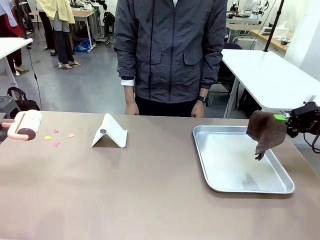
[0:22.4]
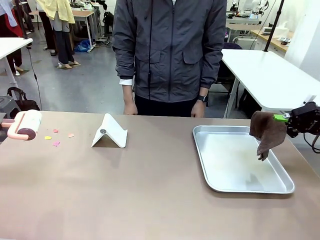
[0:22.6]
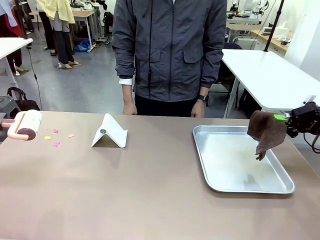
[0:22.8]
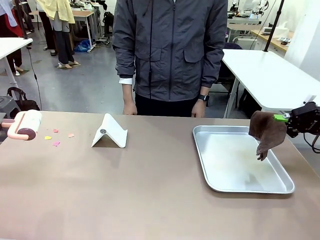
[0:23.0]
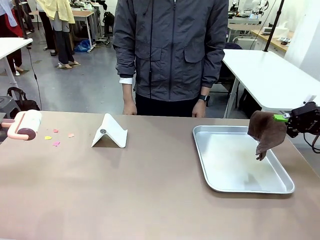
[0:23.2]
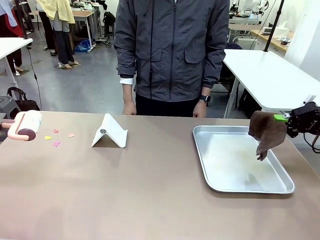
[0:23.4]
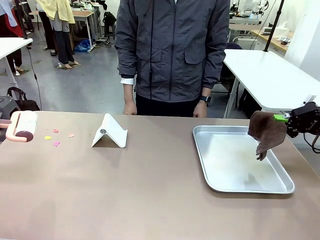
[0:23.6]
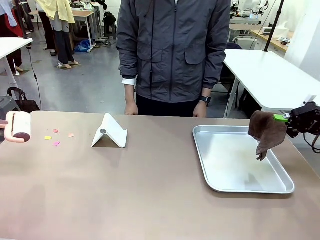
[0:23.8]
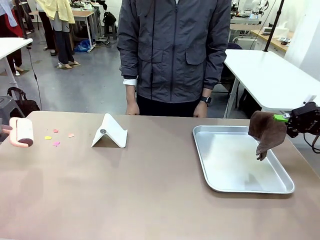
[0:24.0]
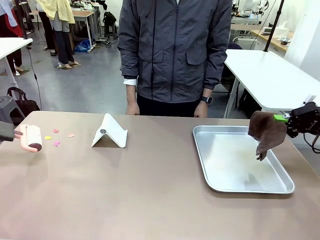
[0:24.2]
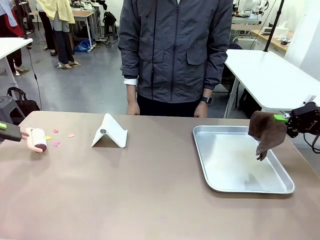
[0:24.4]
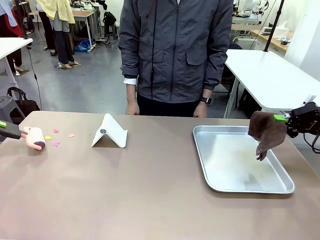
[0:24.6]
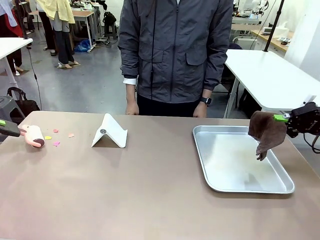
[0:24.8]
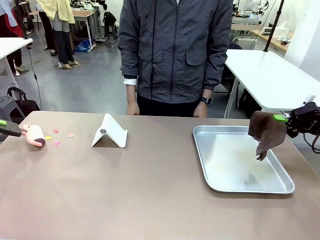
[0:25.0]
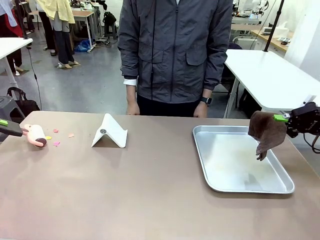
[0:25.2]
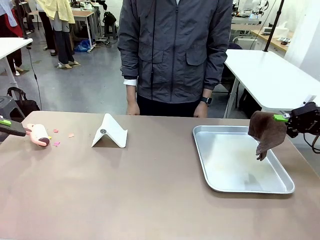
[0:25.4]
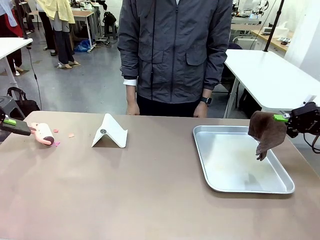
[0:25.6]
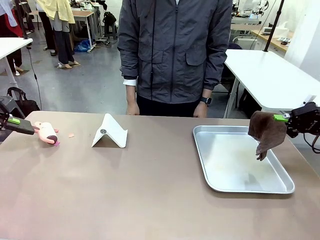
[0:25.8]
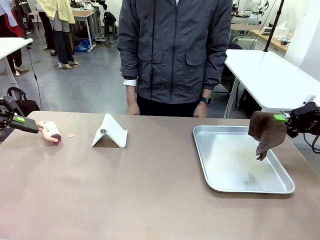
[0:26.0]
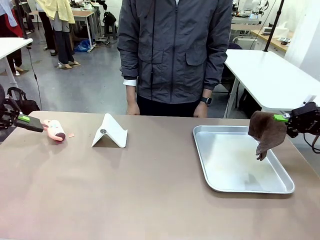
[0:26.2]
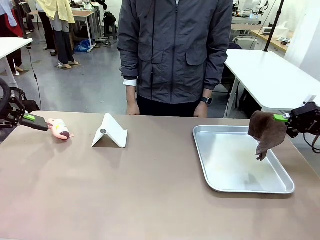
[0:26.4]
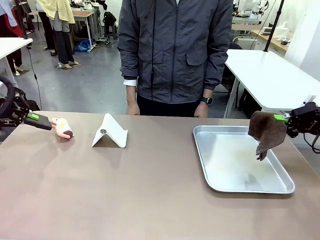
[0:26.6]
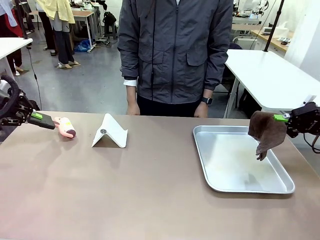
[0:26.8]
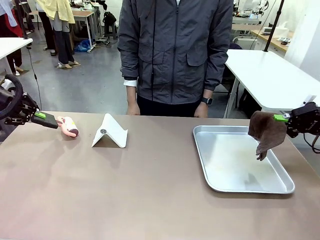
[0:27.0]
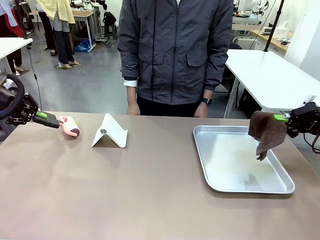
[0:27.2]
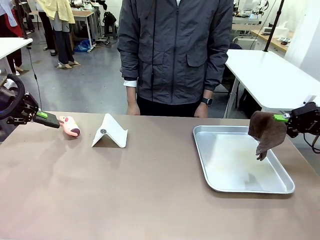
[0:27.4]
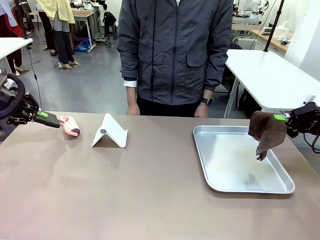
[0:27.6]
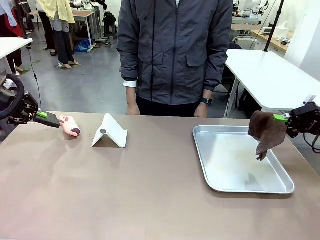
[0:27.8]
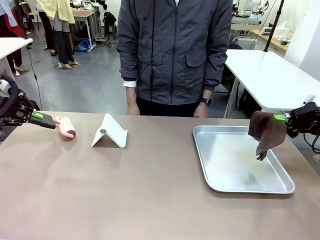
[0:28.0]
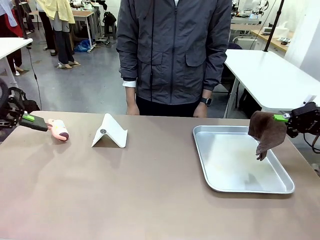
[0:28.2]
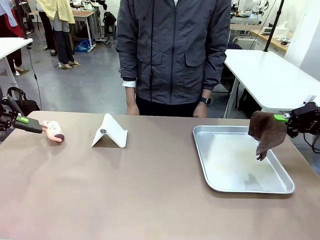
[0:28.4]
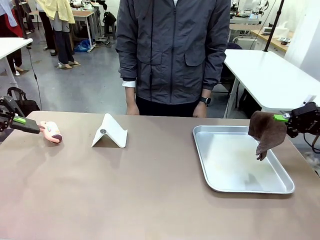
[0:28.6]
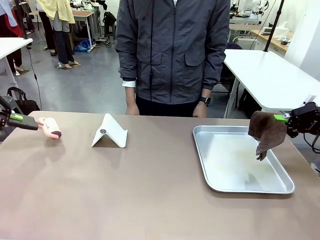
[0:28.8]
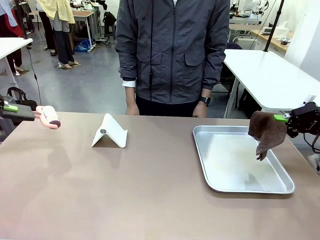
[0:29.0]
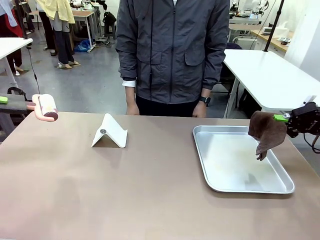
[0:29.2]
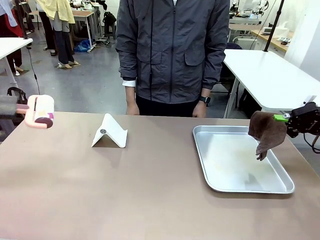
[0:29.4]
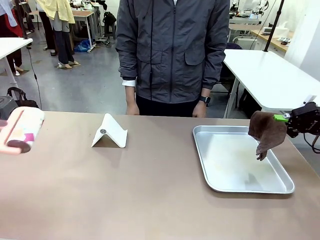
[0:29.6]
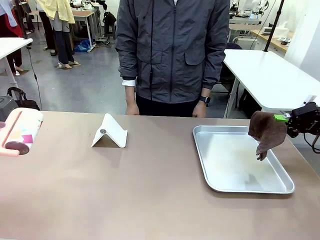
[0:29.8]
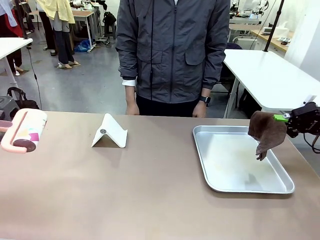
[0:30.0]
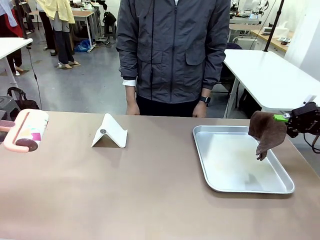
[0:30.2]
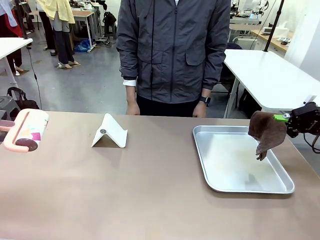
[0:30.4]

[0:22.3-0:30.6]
Task: Clean the surface of the table.
Robot: Clean the area not pointed to by the person.

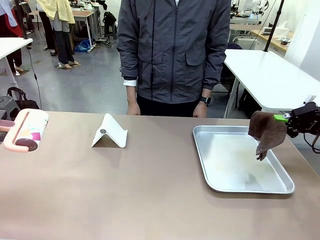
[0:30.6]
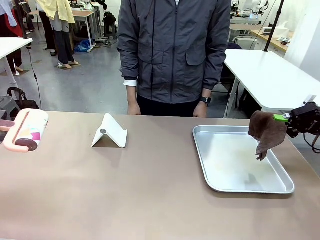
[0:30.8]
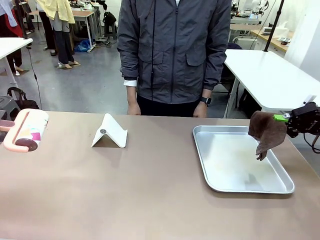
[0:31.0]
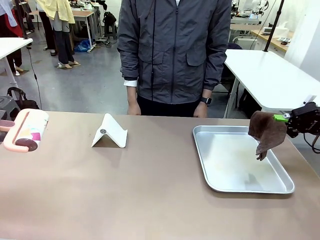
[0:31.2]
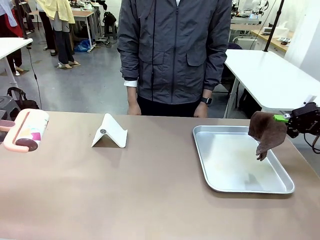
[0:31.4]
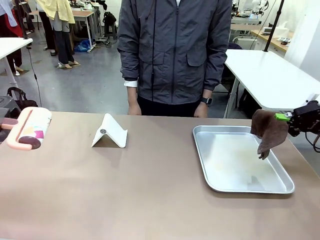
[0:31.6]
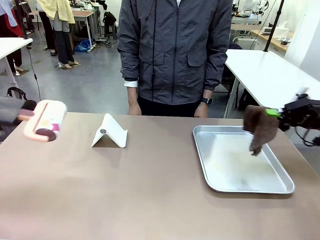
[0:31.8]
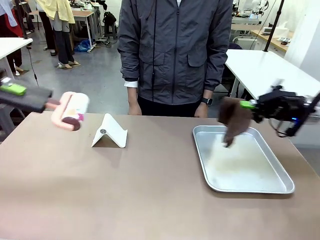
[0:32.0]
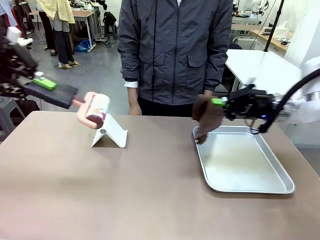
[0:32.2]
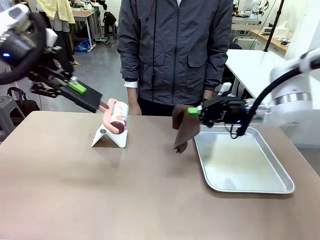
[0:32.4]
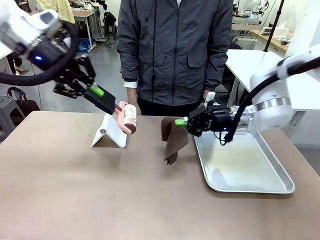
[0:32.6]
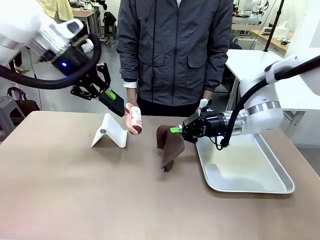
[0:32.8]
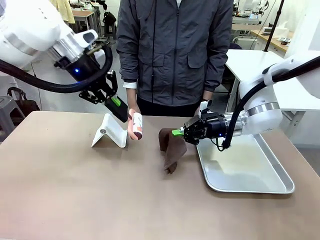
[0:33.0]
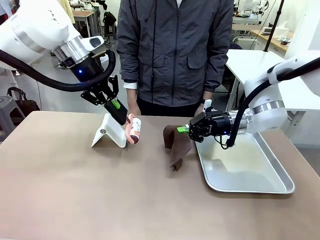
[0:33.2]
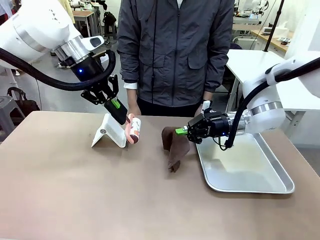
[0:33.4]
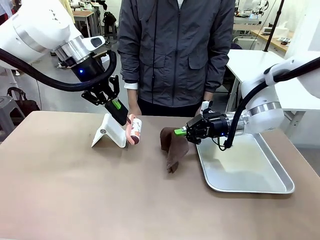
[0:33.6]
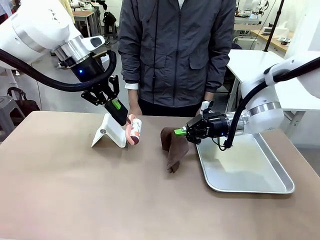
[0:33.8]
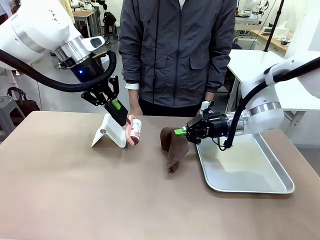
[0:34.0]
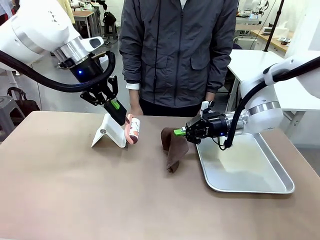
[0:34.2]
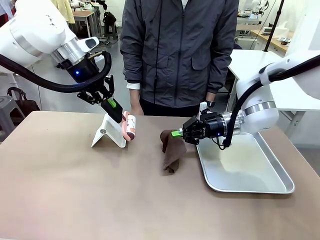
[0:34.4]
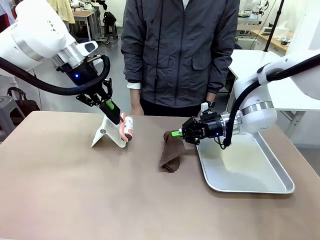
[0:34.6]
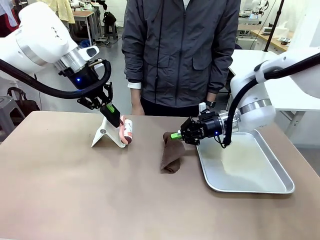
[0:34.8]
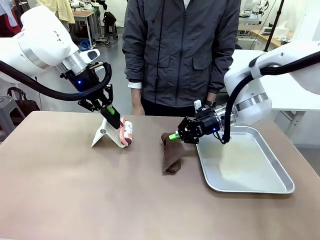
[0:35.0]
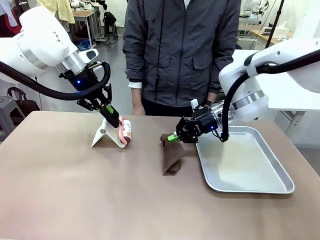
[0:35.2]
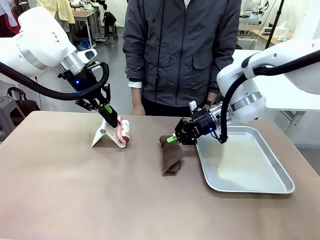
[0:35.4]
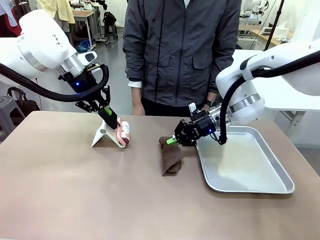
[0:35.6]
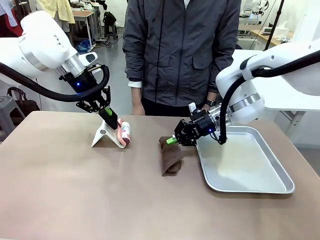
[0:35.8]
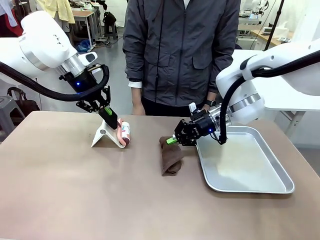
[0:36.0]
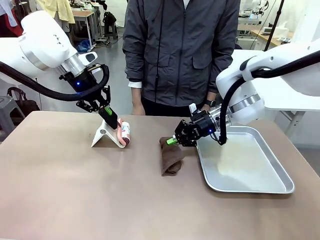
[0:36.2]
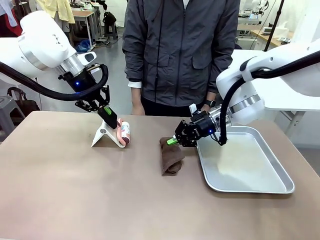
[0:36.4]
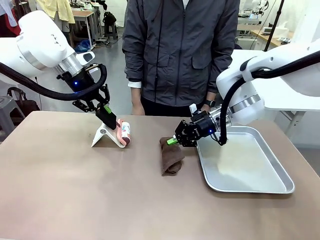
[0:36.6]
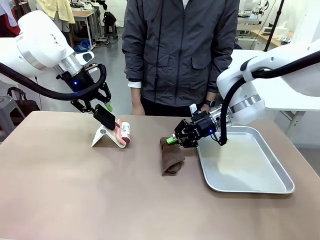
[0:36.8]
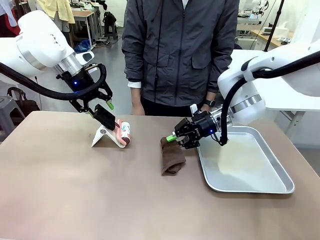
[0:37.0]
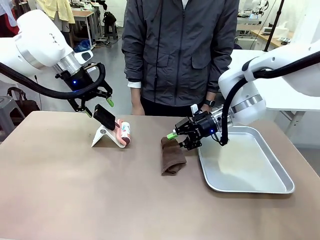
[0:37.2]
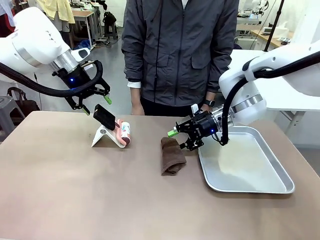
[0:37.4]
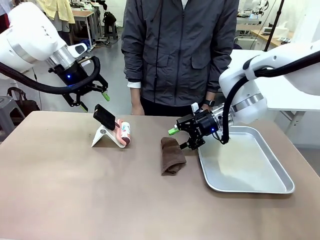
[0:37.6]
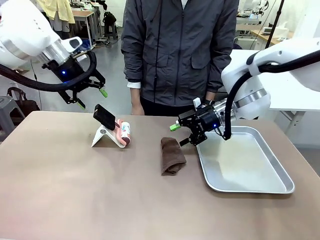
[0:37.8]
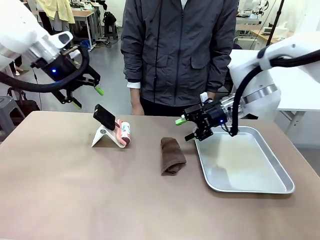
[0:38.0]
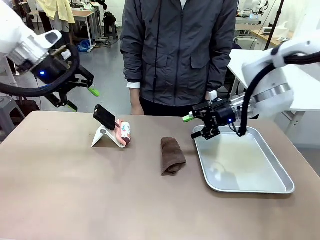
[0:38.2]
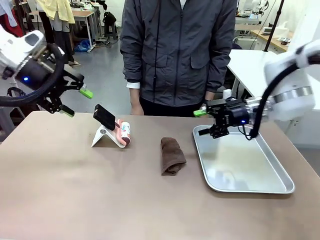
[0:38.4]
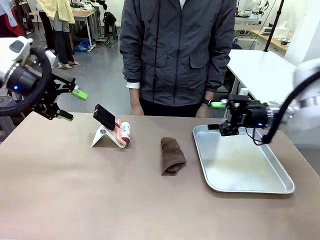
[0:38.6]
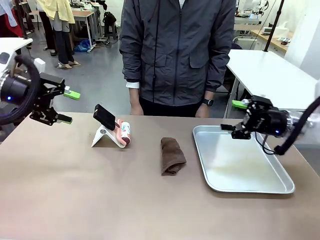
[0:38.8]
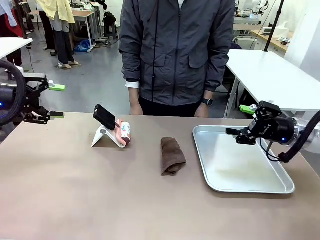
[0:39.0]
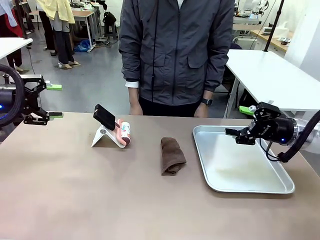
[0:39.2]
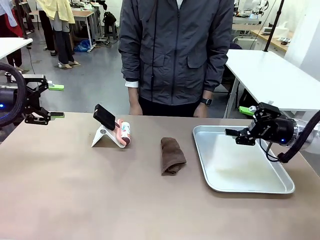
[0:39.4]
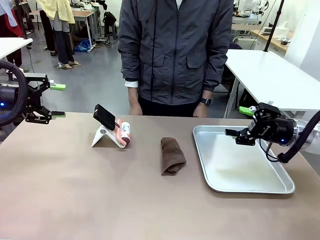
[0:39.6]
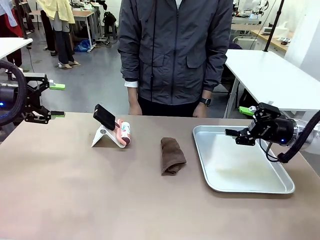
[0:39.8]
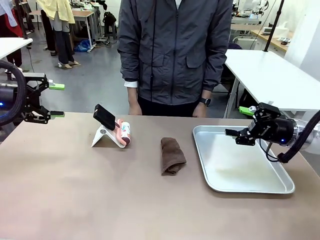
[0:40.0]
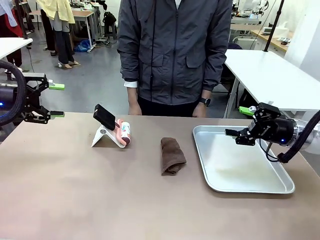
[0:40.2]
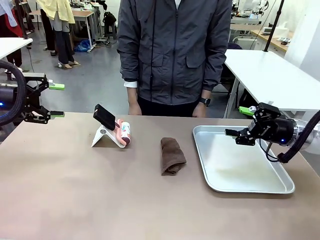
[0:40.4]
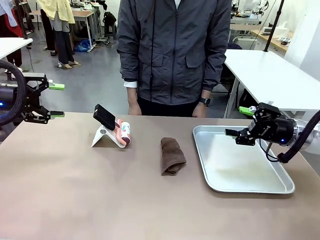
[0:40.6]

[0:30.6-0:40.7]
Robot: Return the Lint Roller and towel to their original positions.
